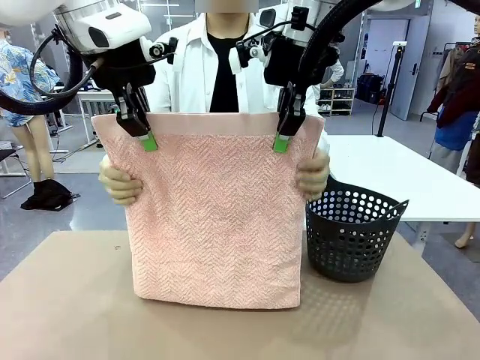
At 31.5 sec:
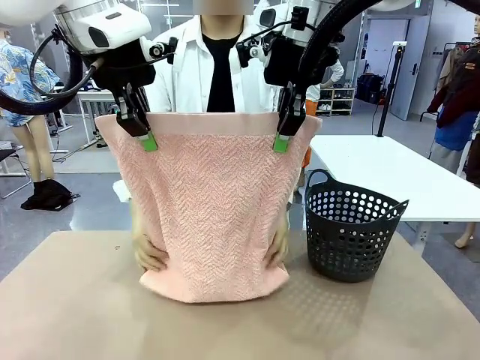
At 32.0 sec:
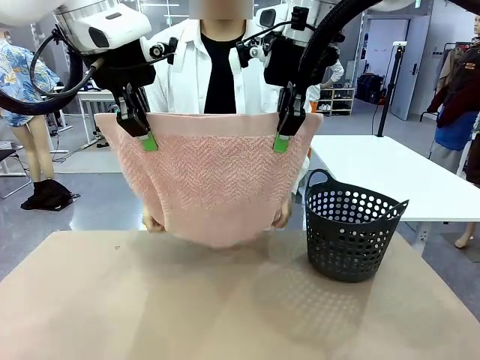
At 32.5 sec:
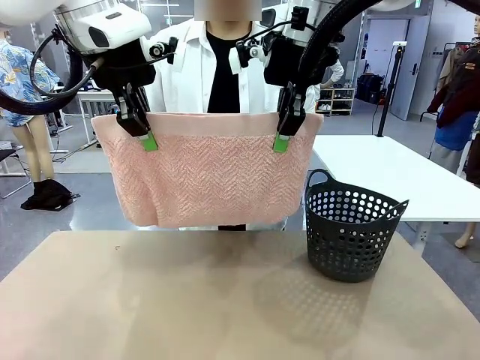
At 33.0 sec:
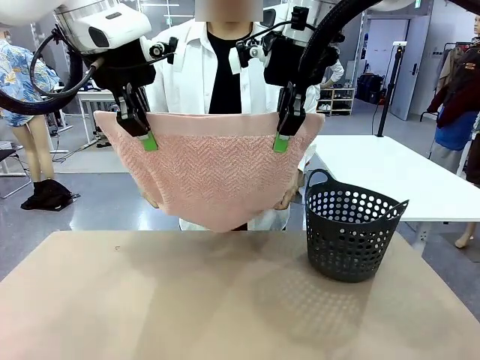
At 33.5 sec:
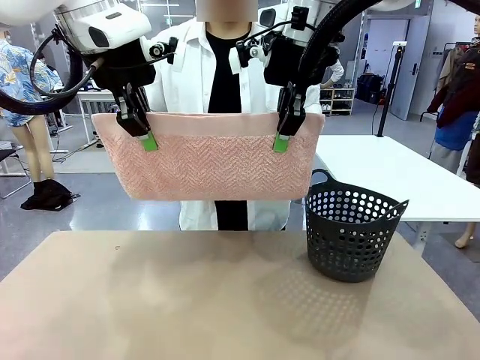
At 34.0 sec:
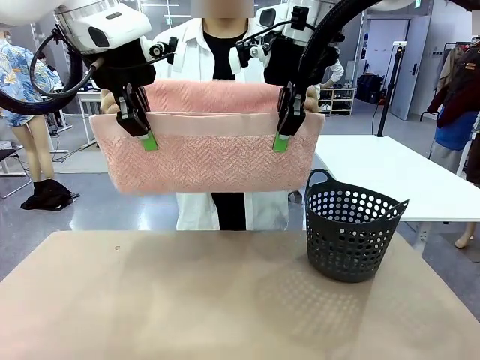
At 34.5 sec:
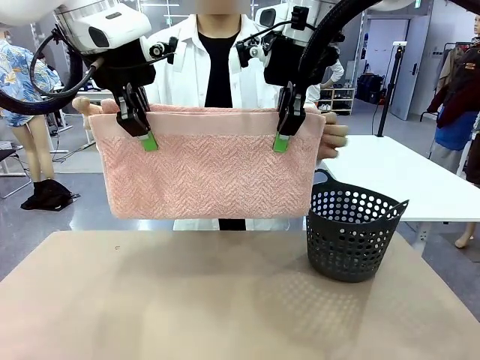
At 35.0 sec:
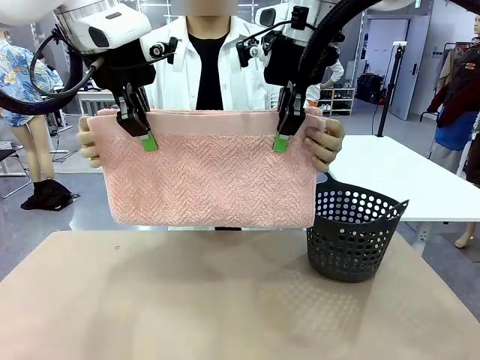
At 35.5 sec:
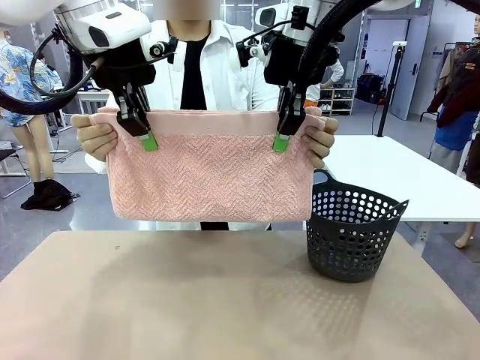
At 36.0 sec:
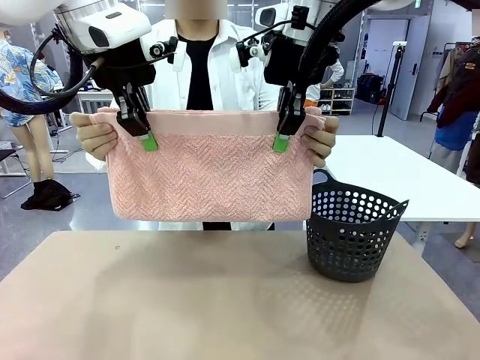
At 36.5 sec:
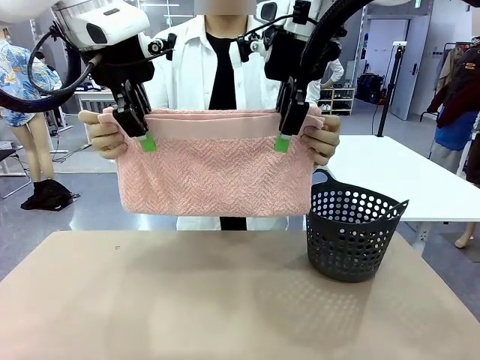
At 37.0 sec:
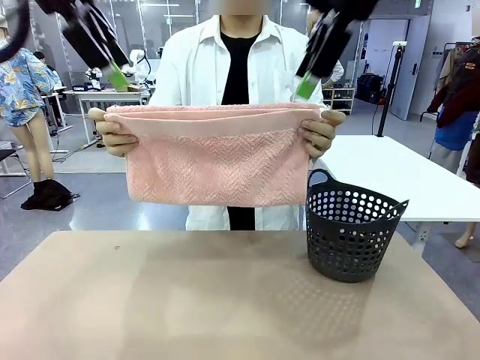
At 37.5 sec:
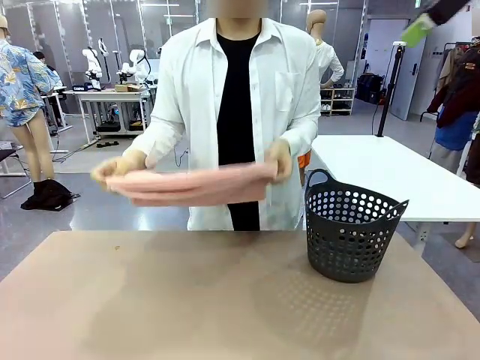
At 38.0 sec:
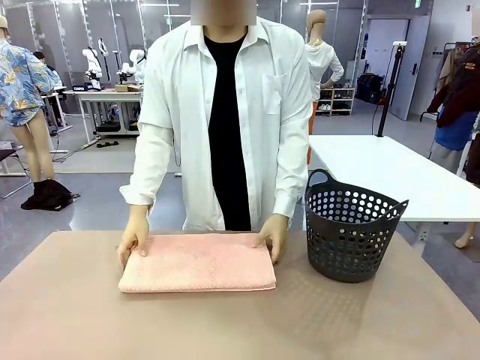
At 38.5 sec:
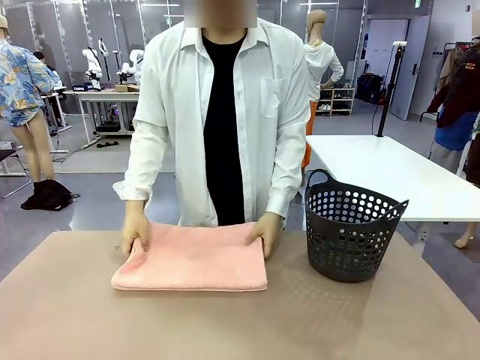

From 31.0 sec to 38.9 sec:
Task: Fold the towel.
Robot: Release the end of the 100 cm Hotel Towel you were holding.
Person: Place the towel at the center of the robot table and fold it in half.

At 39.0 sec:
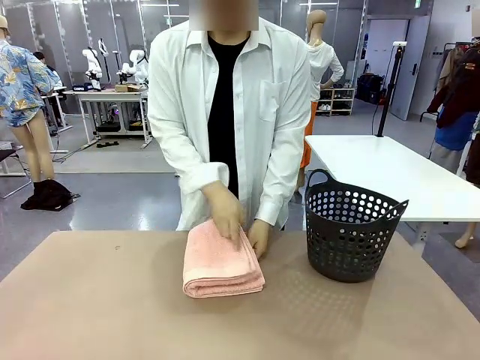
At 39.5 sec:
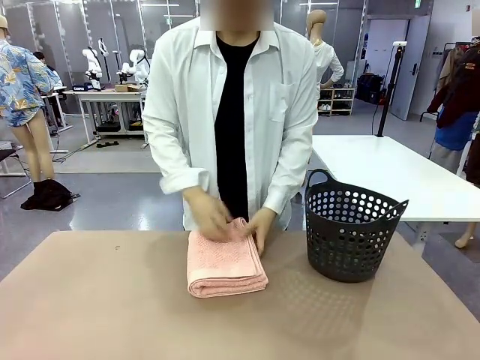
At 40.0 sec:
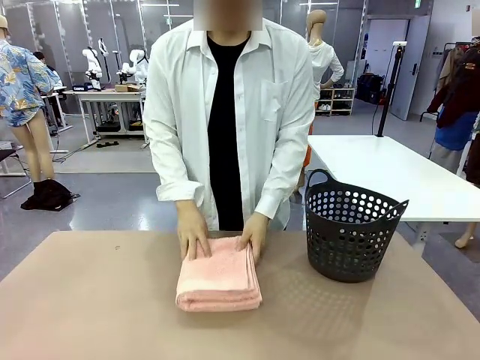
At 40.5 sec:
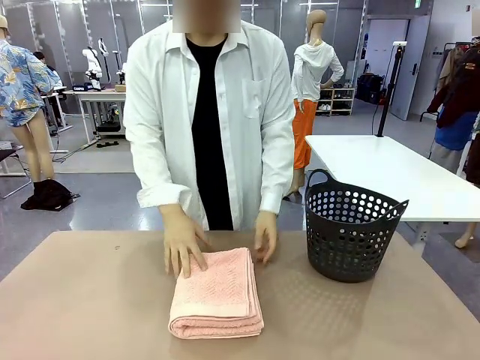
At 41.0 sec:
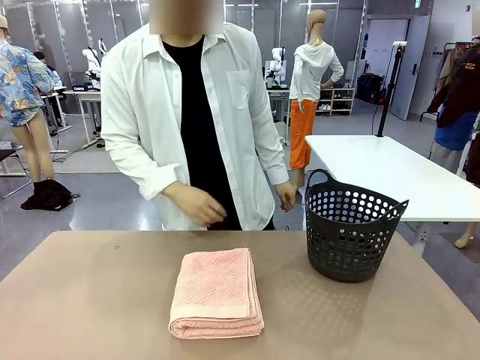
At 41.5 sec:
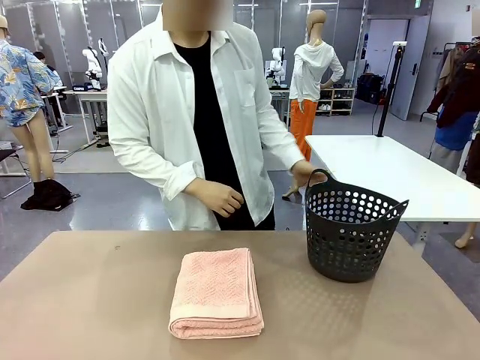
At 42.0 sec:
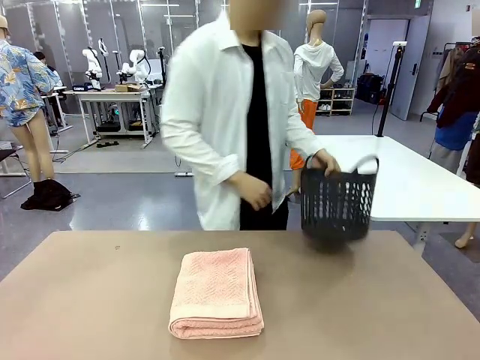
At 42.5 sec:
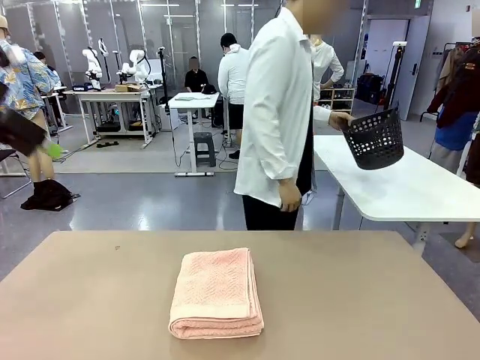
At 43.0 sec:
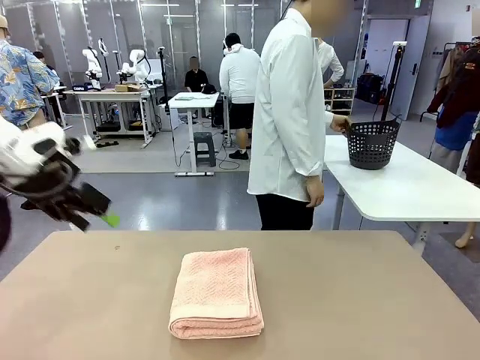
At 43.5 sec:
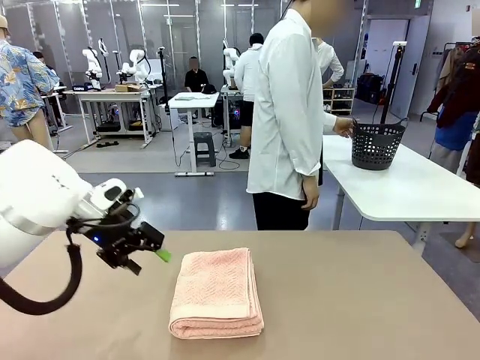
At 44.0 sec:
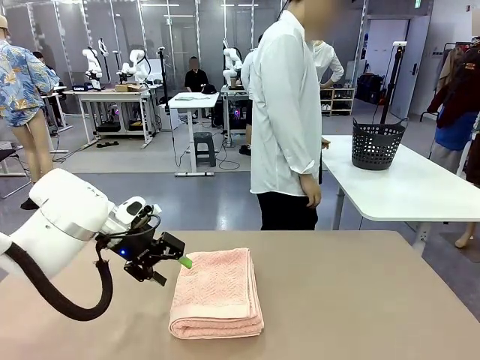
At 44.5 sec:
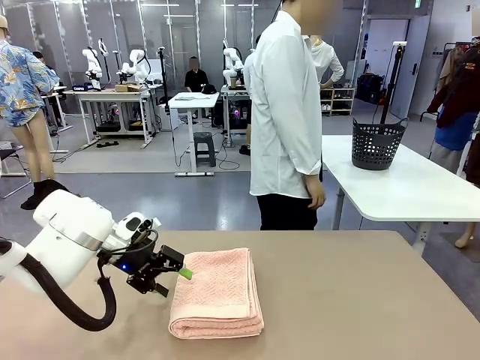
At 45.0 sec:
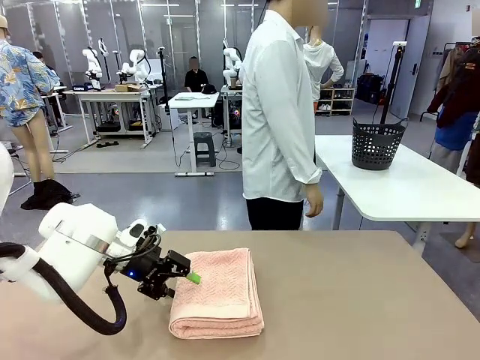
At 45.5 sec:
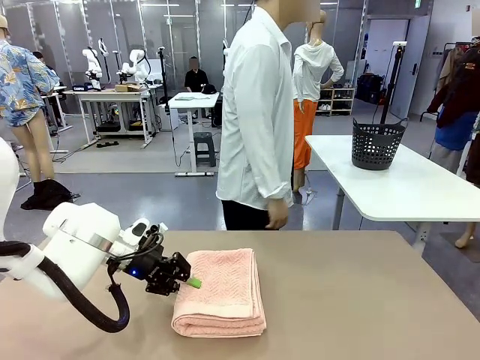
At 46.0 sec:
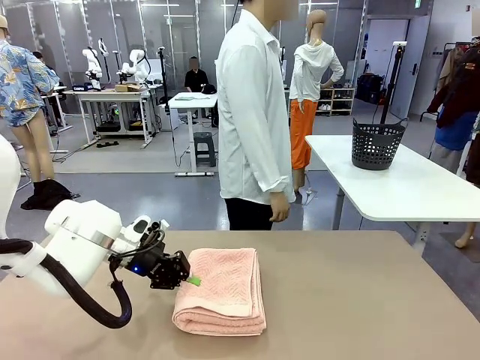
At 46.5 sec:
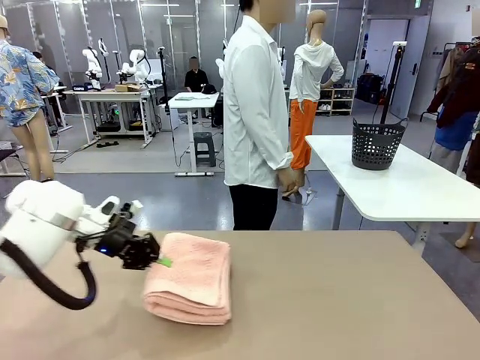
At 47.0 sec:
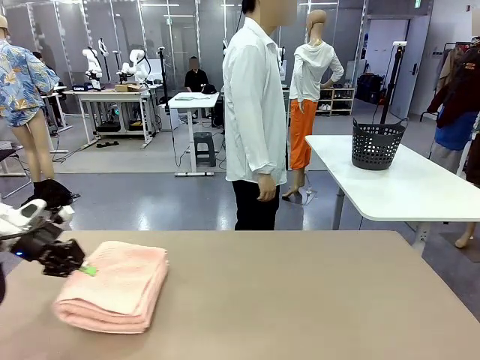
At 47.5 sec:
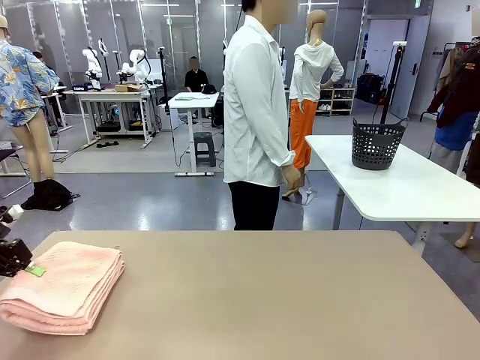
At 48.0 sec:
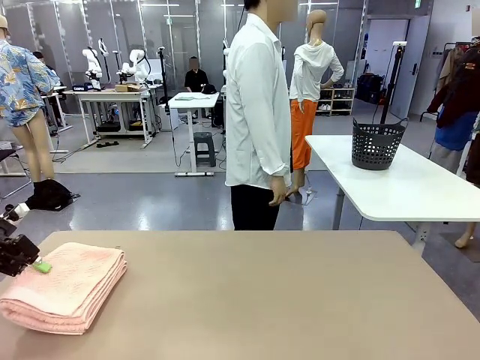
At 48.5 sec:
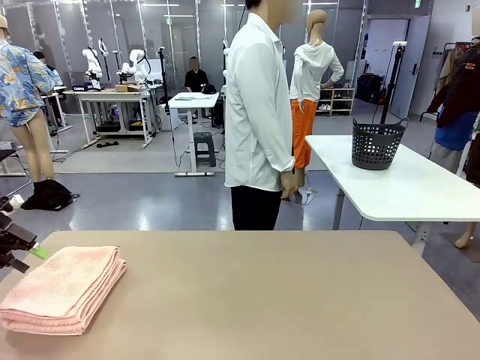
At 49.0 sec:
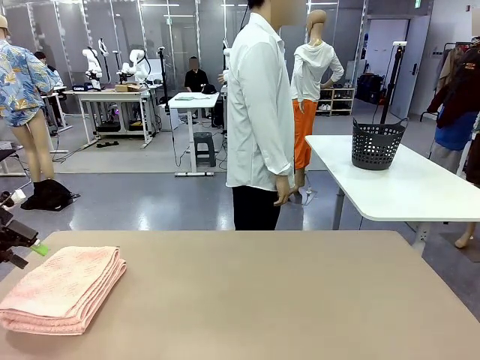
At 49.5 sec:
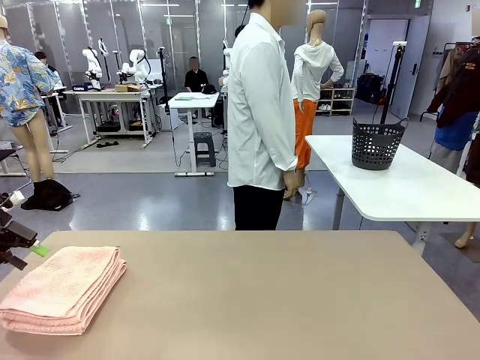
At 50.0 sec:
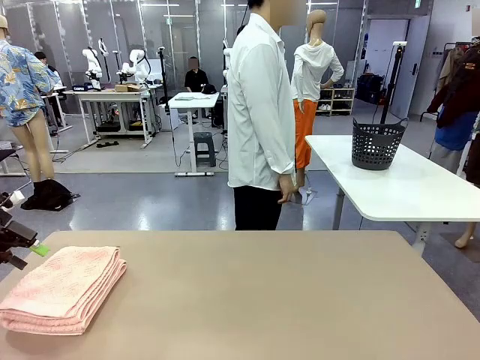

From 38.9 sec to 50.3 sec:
Robot: Pick up the 100 cm Hotel Towel and place it on the left side of the table.
Person: Pick up the laundry basket and place it at the center of the human table.

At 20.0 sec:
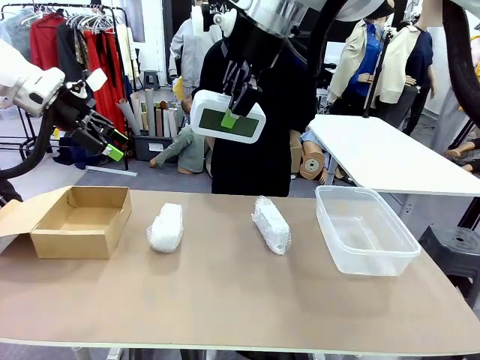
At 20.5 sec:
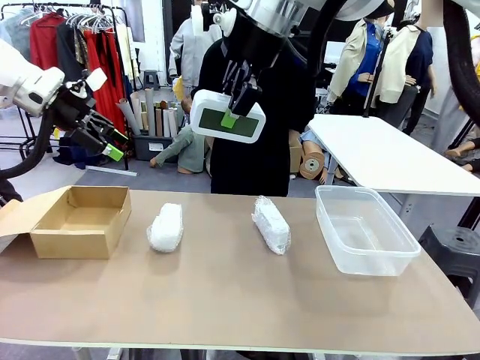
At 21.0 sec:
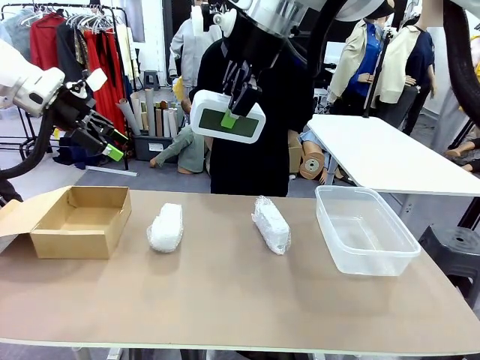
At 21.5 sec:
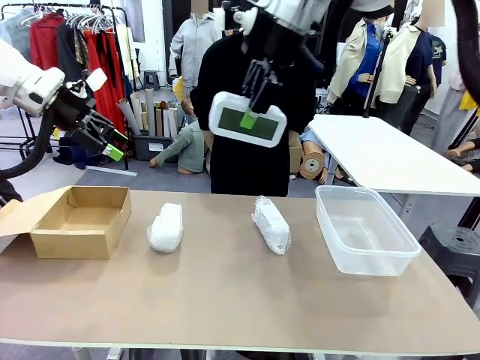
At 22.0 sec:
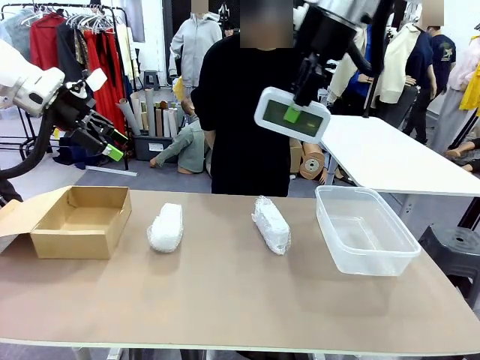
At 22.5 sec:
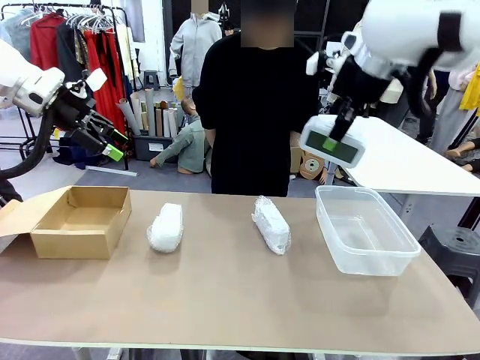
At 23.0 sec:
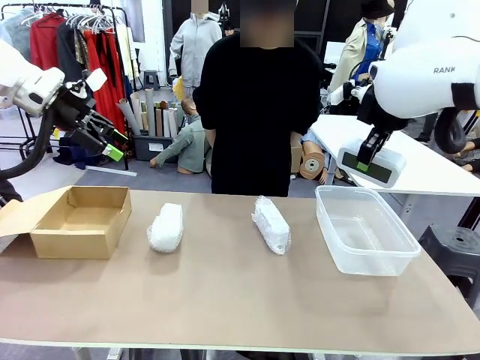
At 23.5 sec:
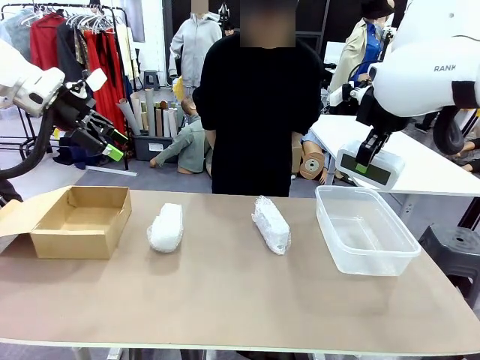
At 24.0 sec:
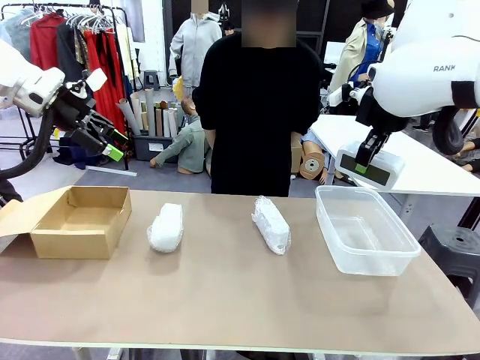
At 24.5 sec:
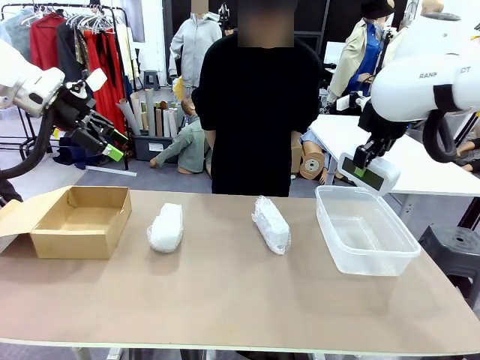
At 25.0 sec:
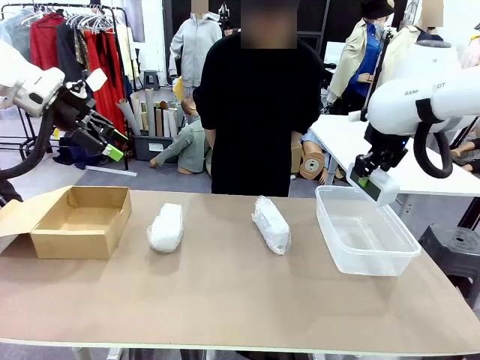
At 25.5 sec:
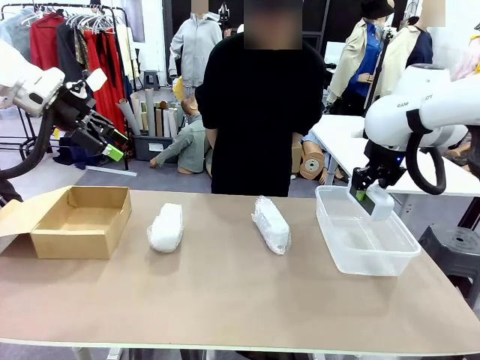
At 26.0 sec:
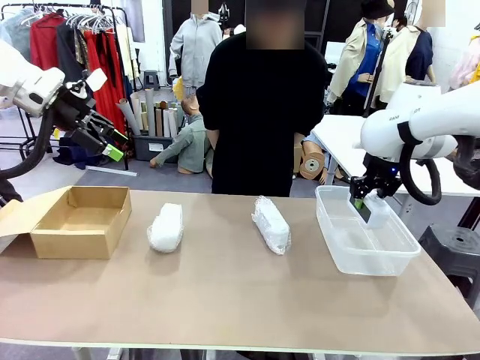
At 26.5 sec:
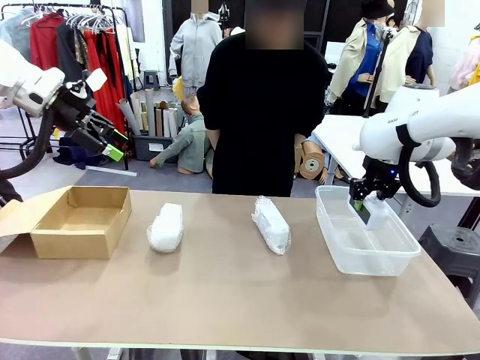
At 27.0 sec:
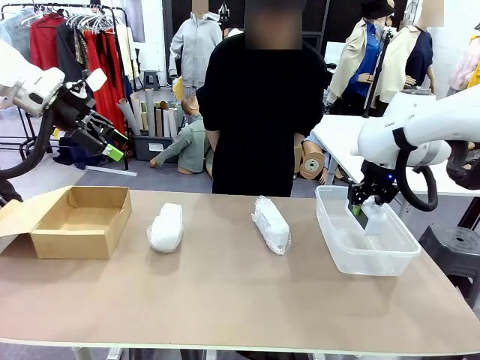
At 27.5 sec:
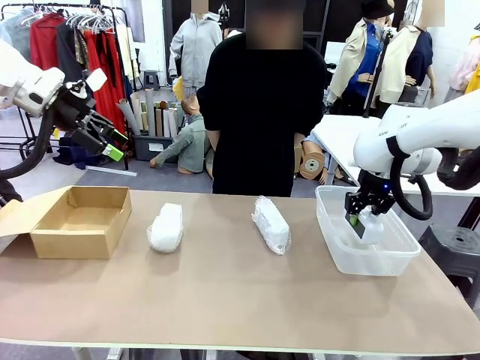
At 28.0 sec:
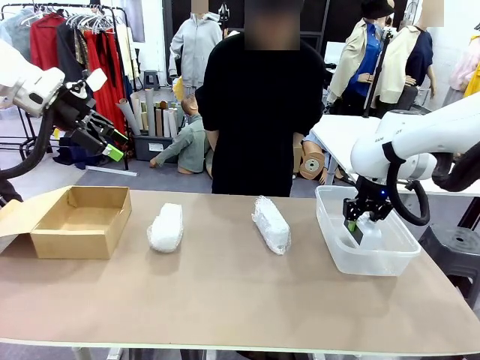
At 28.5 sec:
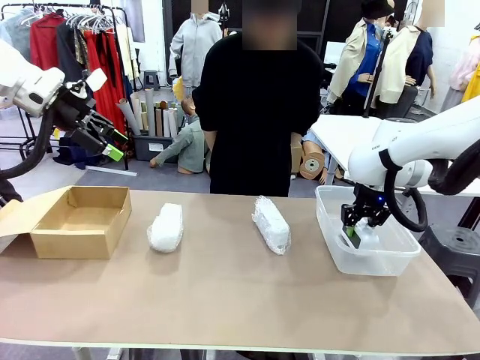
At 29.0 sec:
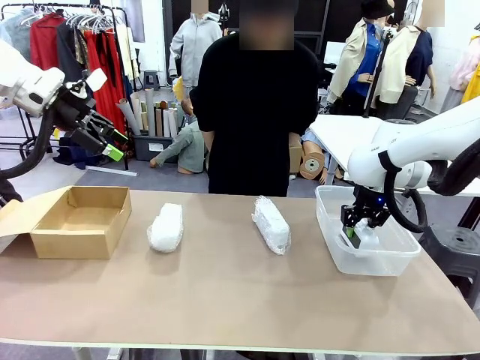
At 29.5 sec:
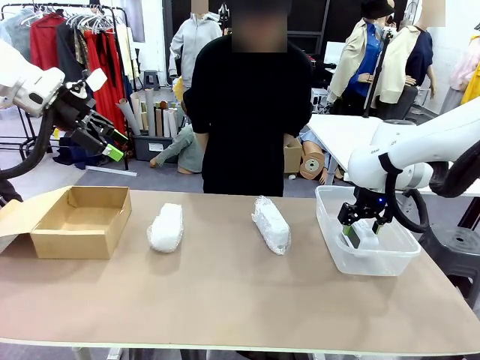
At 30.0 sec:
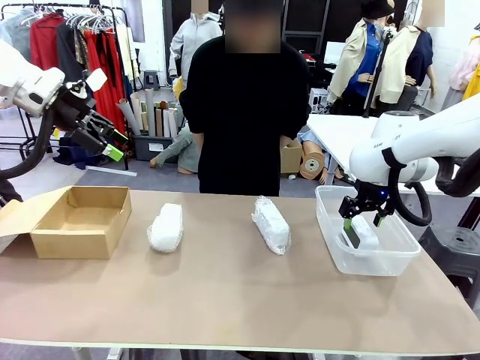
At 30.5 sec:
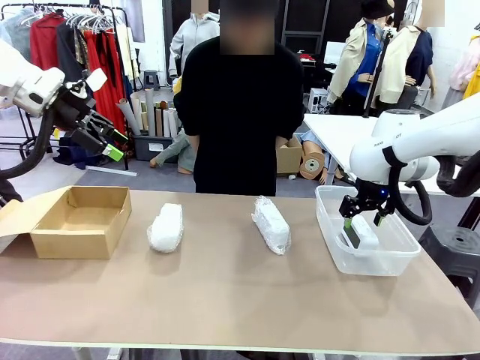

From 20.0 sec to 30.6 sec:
Task: Separate and place wrapped and unwrapped clocks.
Robot: If the picked Digital clock is wrapped, place it in the Package Box ; if not, place it in the Organizing box.
